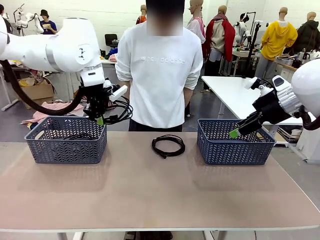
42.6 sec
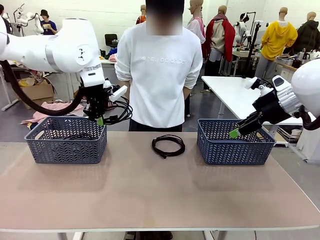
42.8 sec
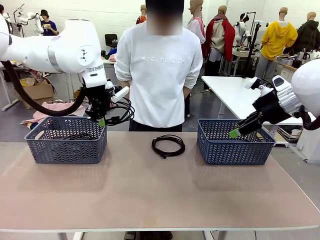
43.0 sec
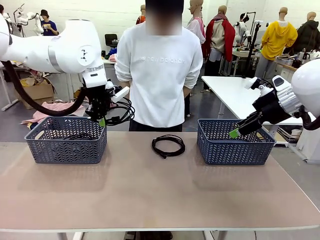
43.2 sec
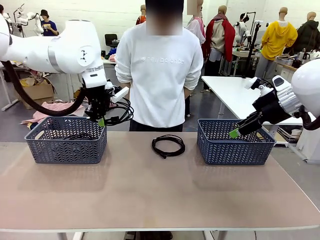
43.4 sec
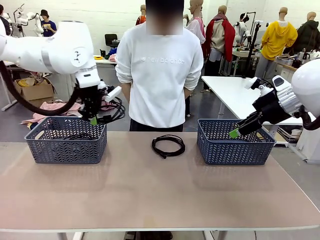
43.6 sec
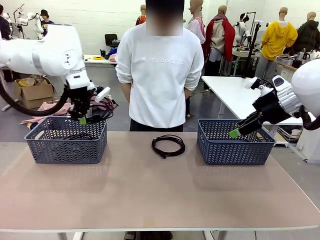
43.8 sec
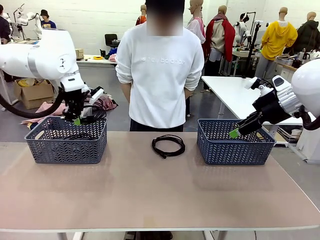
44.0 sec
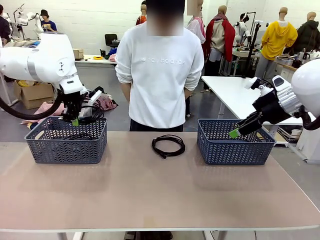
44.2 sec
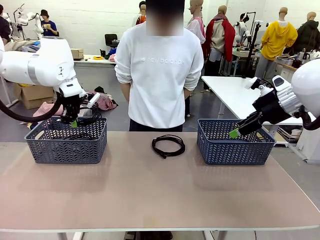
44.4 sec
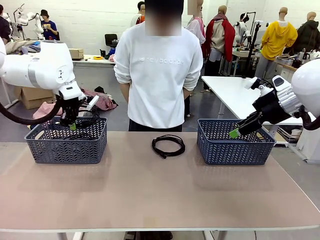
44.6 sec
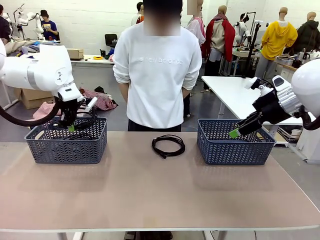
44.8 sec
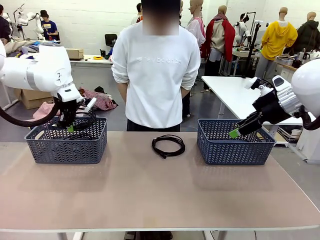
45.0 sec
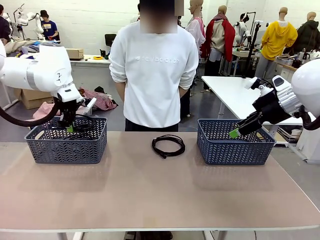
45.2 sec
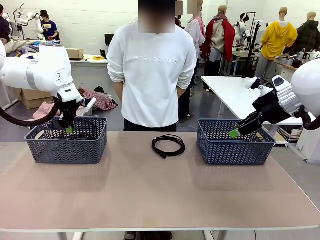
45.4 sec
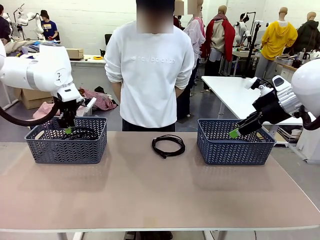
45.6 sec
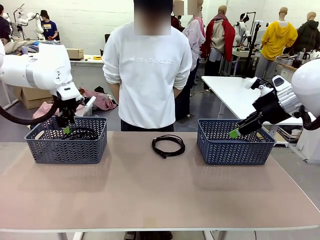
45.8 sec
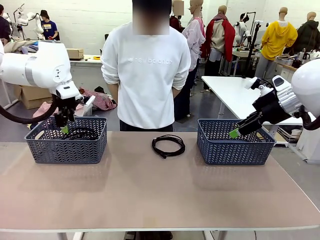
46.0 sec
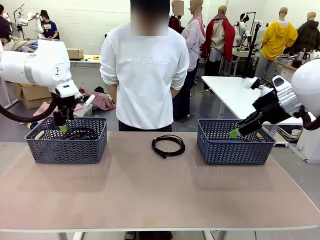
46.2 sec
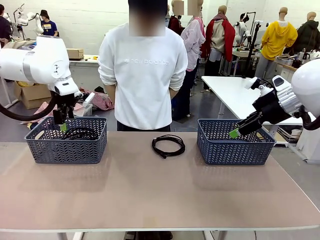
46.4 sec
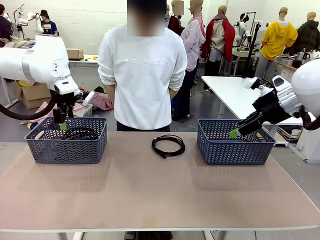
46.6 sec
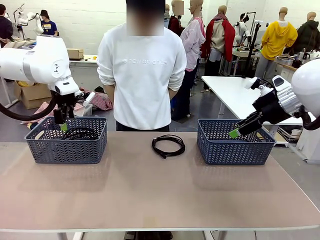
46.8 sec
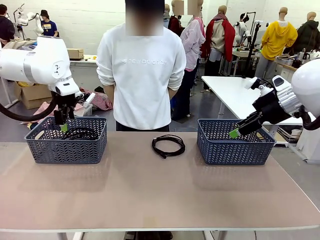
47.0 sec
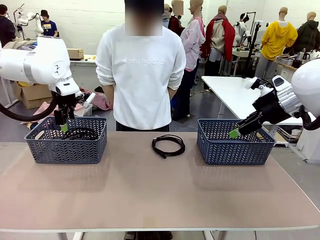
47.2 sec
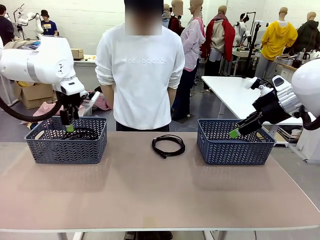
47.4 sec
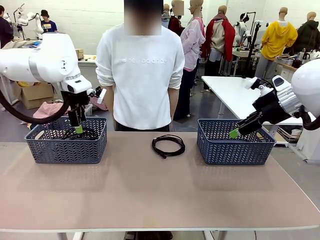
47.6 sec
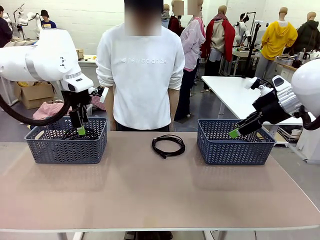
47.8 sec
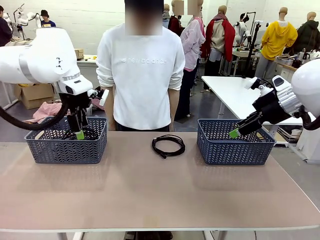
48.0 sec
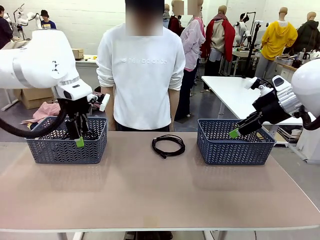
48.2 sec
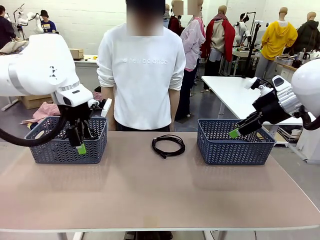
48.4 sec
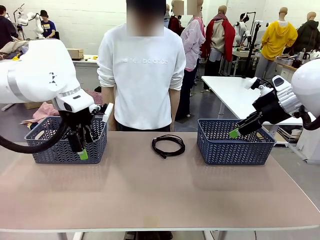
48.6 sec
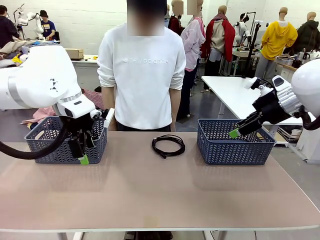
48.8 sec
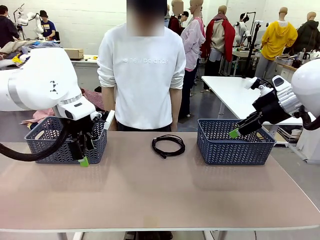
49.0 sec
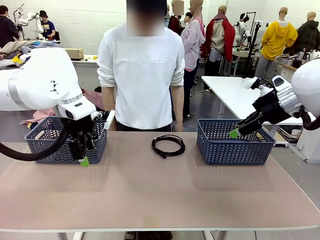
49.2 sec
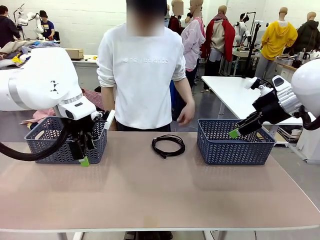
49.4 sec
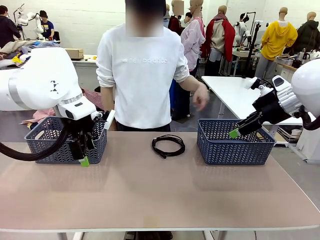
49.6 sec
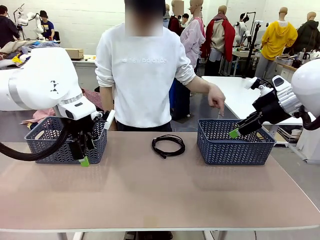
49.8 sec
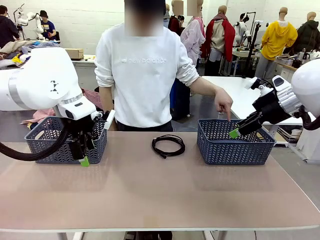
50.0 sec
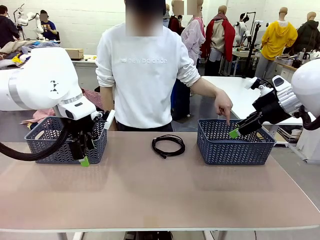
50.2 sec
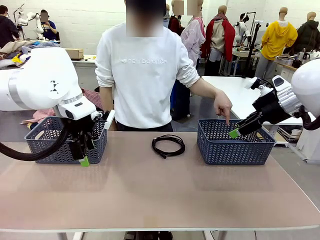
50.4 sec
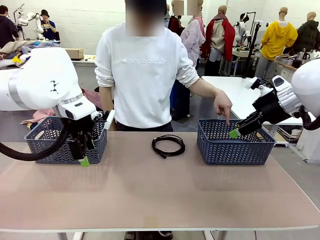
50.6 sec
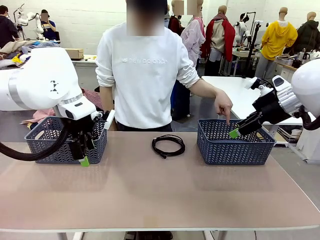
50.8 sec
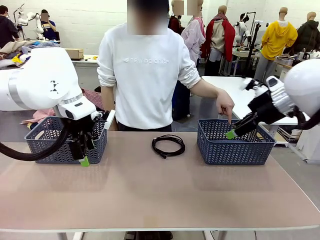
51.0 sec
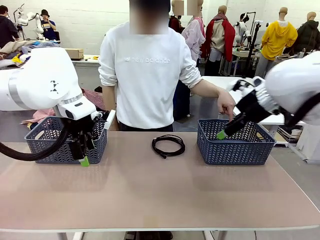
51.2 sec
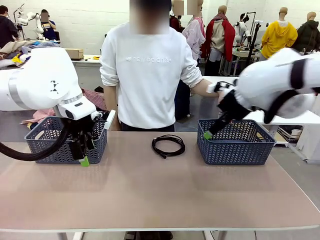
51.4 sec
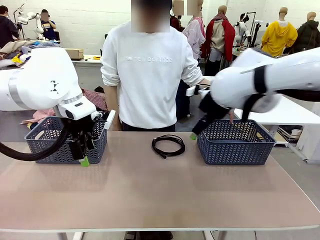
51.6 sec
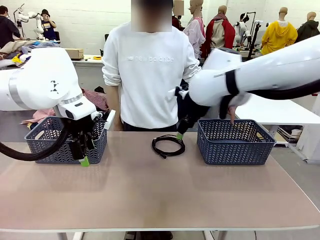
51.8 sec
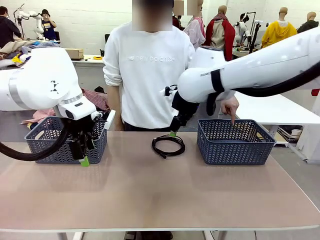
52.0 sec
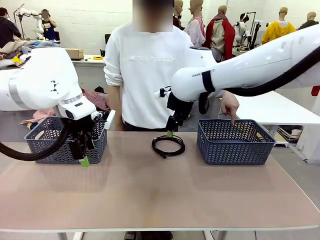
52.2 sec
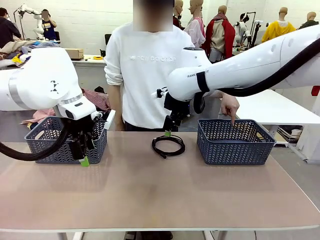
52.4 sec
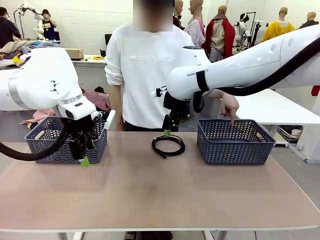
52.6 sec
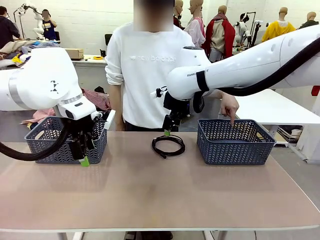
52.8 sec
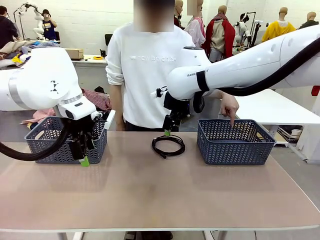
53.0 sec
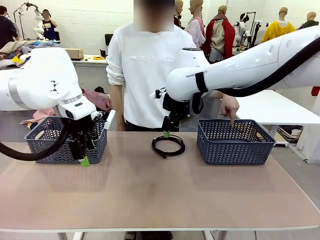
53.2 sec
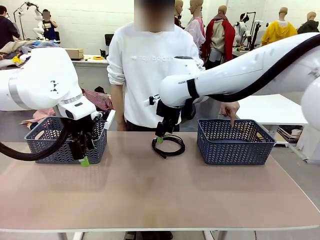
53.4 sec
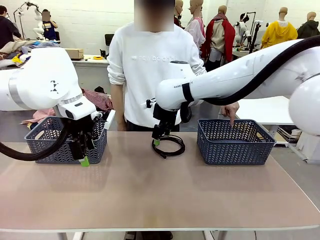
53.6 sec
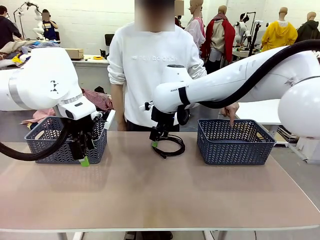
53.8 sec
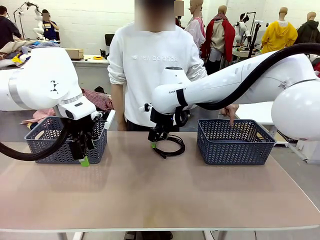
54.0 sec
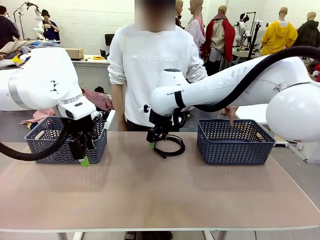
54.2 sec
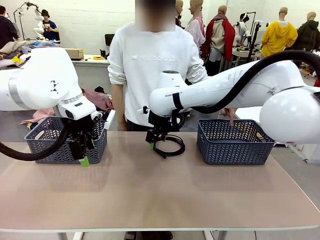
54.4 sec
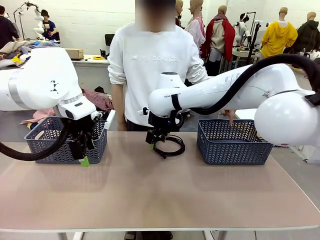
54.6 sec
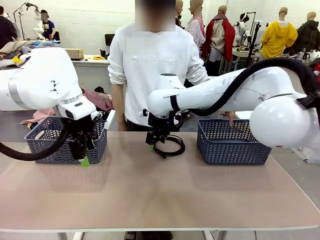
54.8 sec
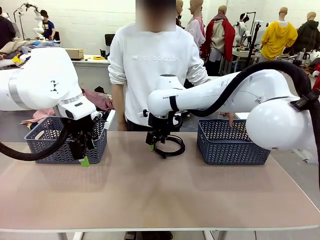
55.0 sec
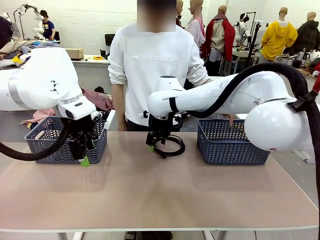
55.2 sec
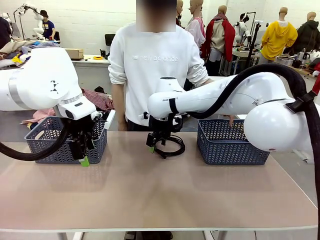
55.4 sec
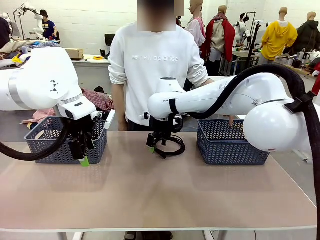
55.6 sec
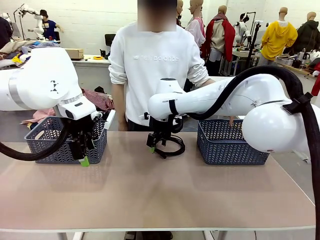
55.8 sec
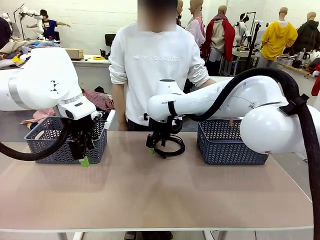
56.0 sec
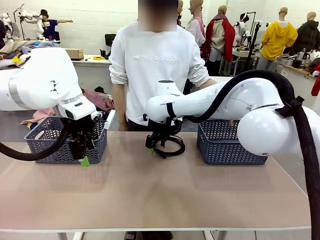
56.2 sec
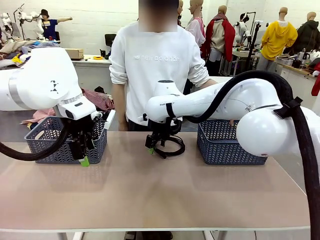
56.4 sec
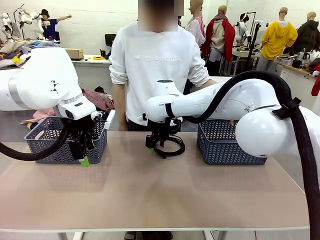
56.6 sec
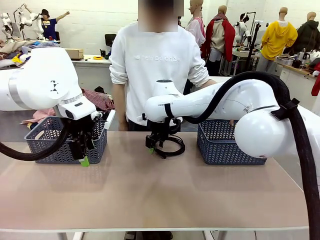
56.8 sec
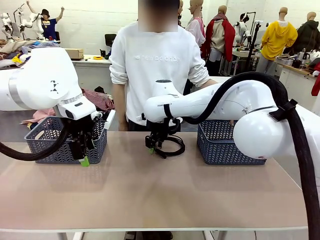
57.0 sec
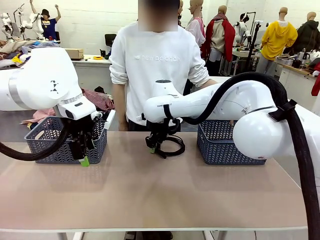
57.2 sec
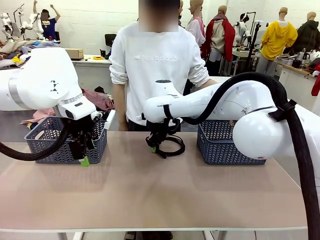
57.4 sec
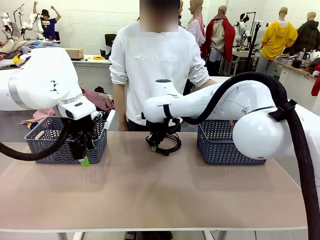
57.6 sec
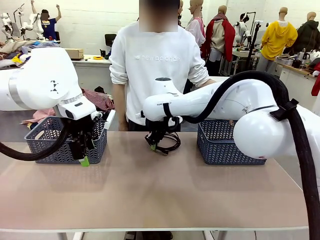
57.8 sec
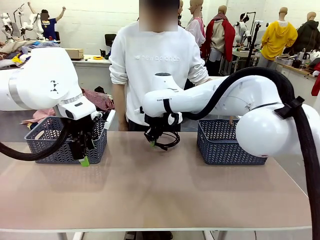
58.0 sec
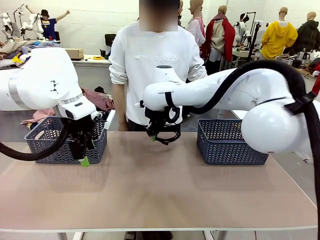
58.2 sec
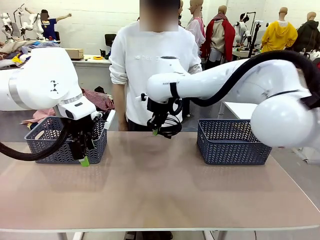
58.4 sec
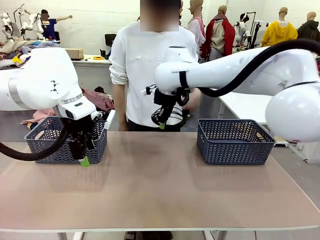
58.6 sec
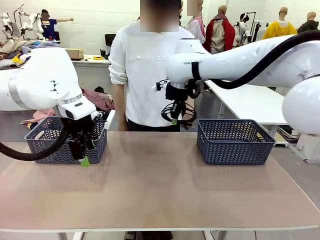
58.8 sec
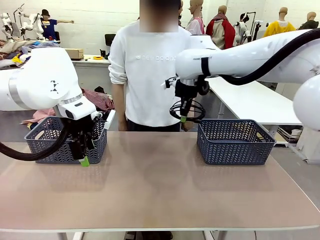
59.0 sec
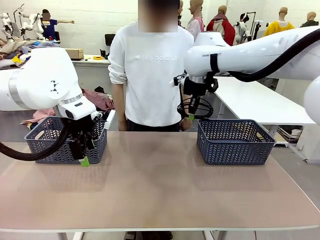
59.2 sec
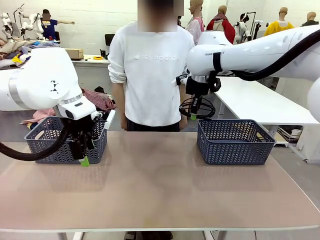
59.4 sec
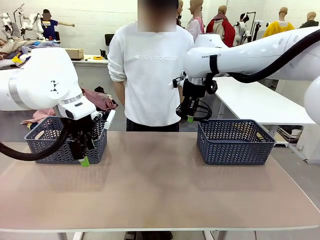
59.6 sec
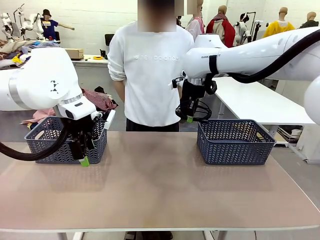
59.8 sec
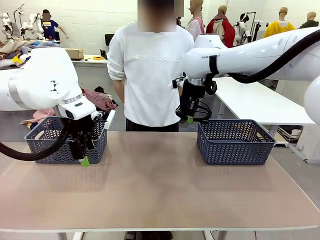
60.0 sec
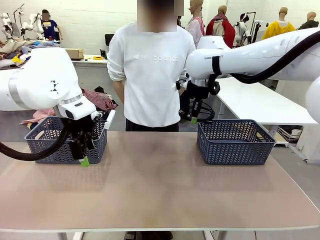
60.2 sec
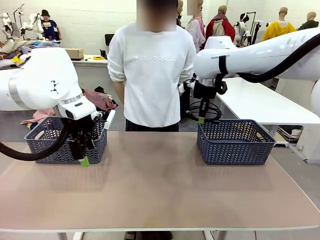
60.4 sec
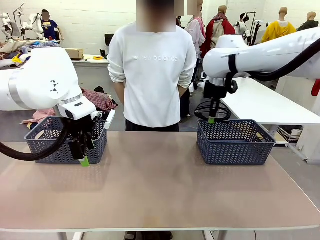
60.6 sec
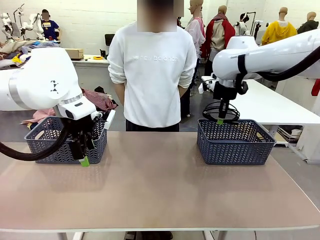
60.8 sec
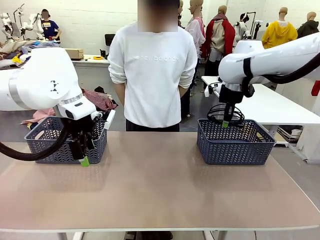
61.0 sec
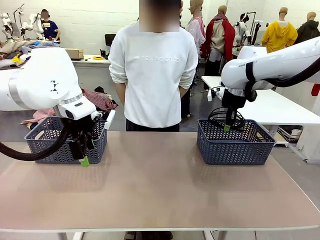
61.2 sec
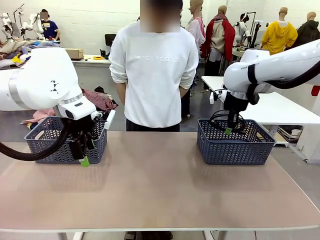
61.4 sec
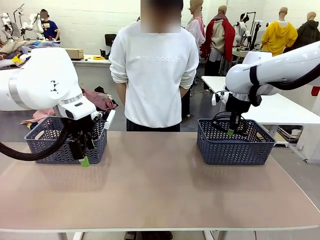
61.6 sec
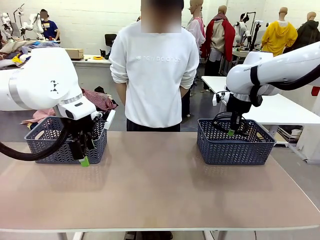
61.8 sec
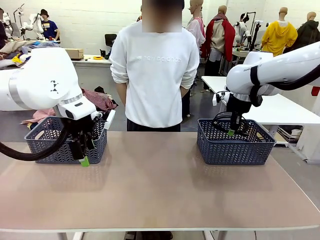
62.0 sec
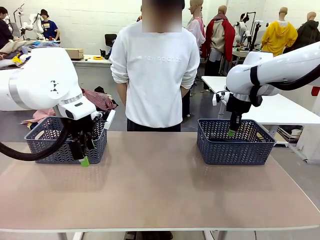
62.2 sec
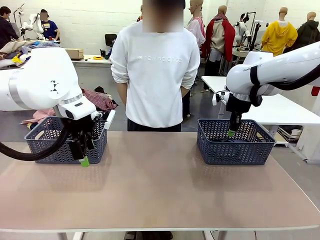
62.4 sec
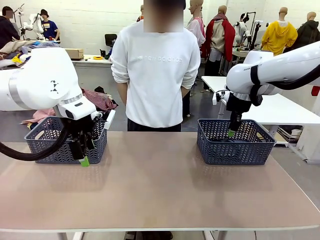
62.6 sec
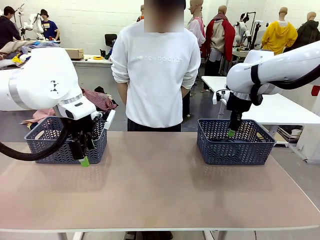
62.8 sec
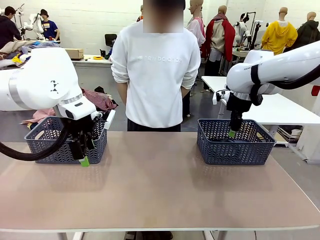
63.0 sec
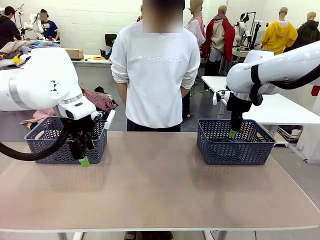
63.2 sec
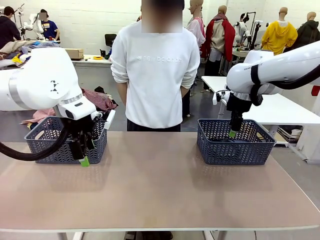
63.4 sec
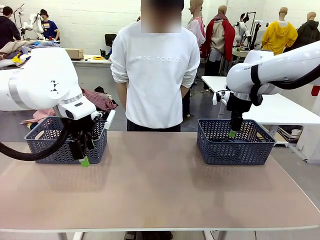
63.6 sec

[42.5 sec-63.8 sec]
Task: Organize the cables according to human instructions.
Robot: Pick up a bundle of cables and place it in the basket indicated by the human.
